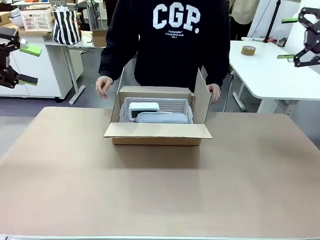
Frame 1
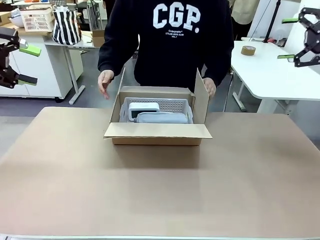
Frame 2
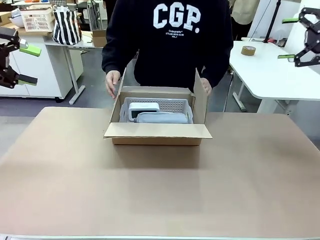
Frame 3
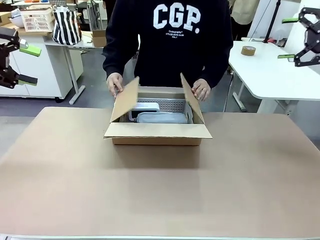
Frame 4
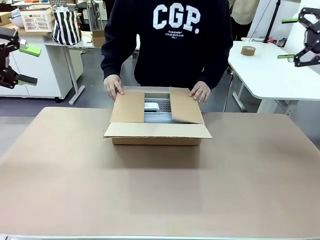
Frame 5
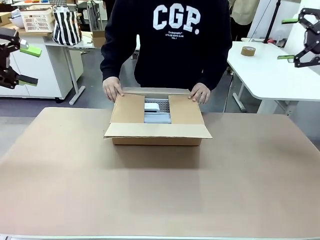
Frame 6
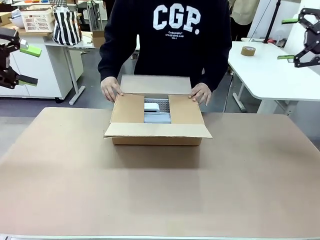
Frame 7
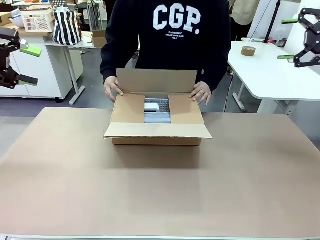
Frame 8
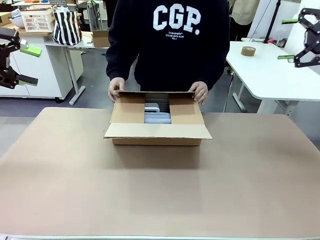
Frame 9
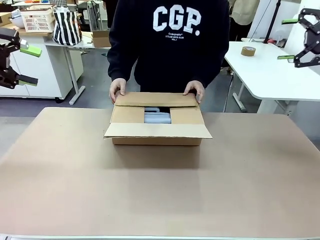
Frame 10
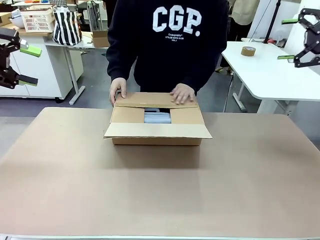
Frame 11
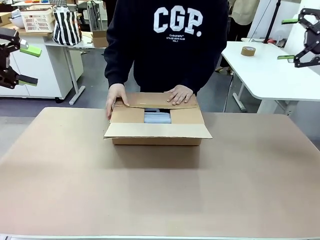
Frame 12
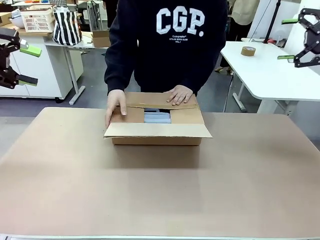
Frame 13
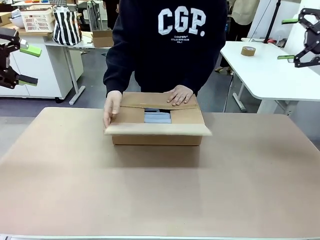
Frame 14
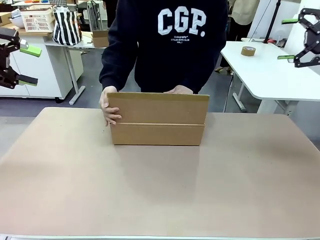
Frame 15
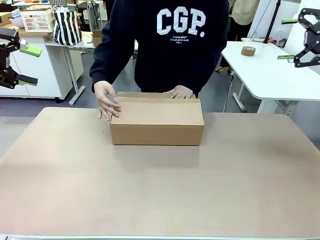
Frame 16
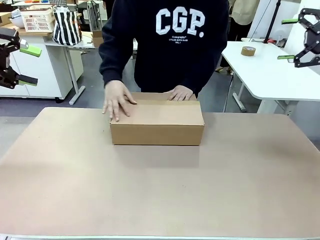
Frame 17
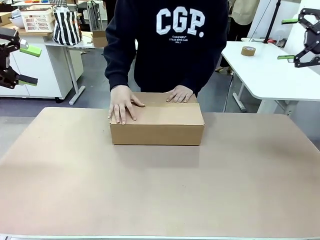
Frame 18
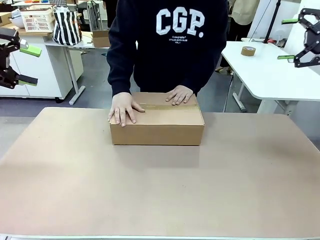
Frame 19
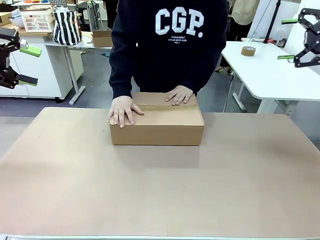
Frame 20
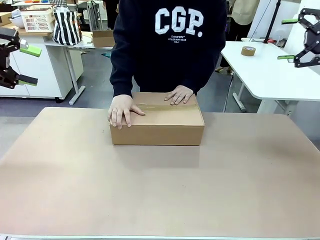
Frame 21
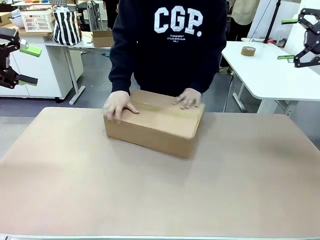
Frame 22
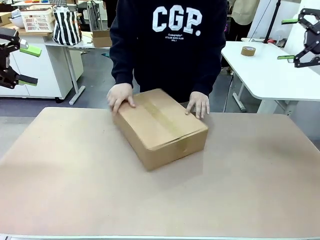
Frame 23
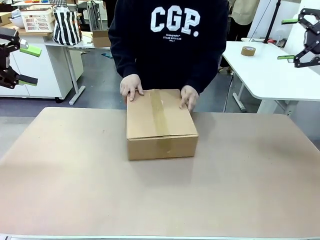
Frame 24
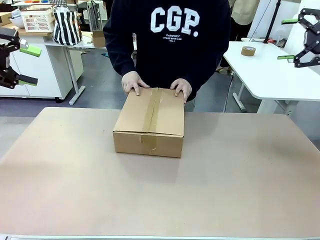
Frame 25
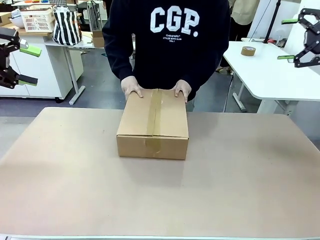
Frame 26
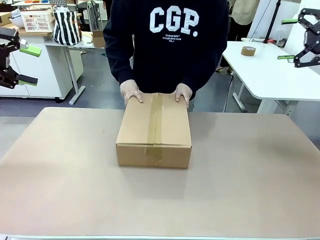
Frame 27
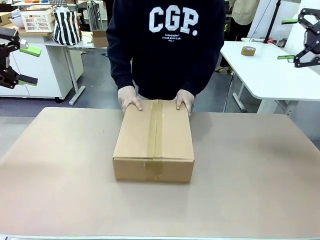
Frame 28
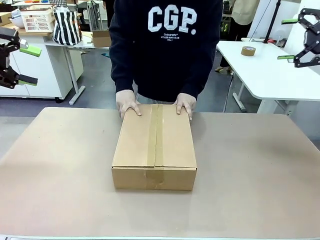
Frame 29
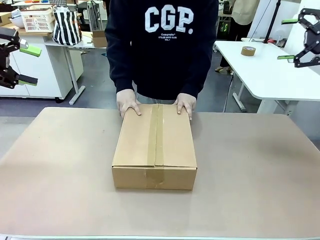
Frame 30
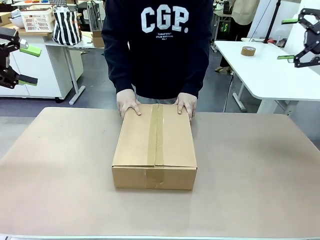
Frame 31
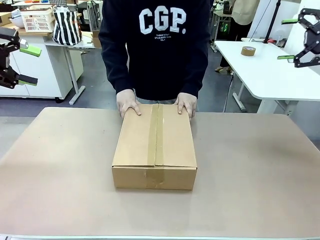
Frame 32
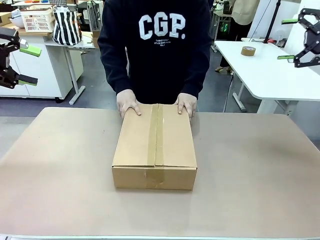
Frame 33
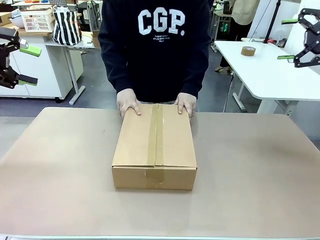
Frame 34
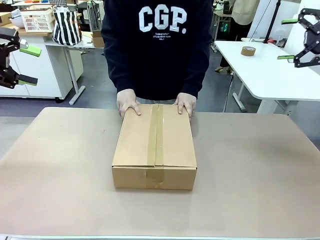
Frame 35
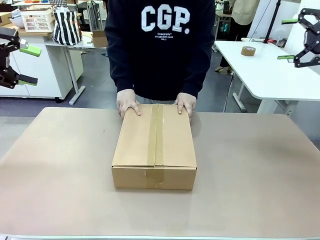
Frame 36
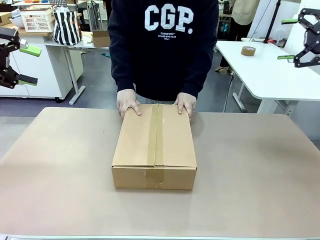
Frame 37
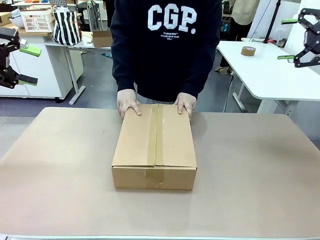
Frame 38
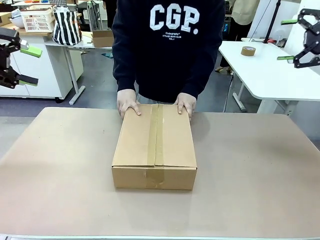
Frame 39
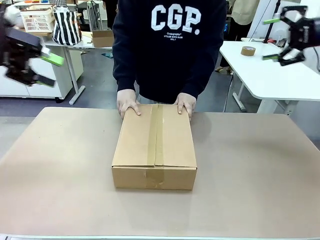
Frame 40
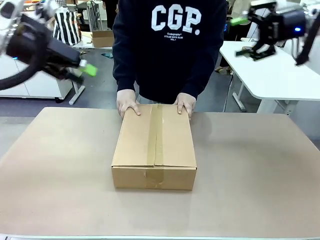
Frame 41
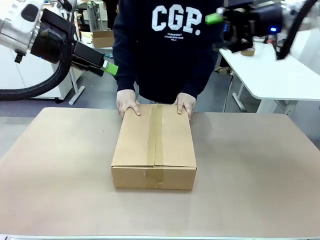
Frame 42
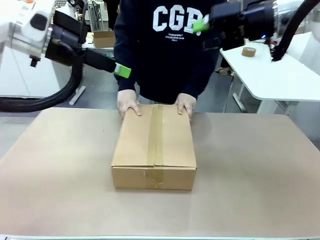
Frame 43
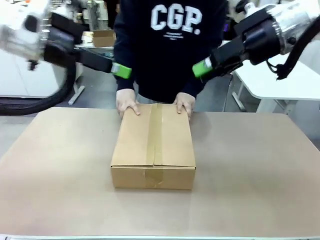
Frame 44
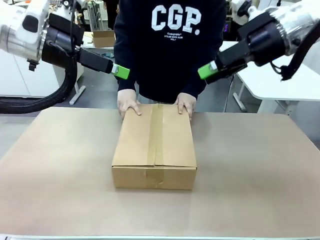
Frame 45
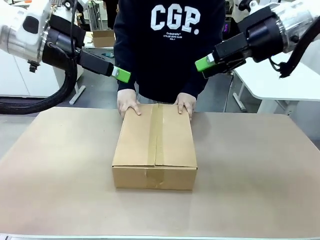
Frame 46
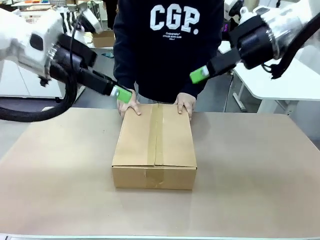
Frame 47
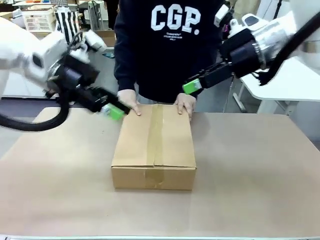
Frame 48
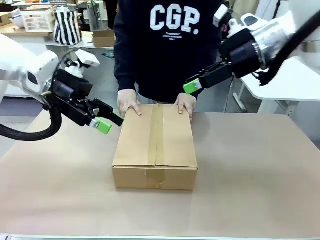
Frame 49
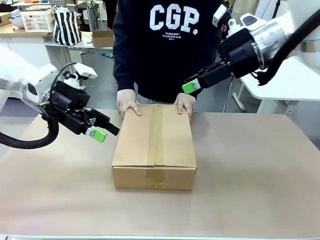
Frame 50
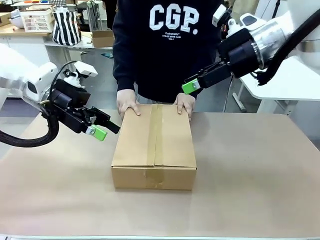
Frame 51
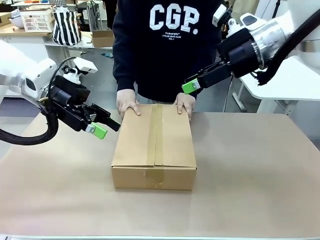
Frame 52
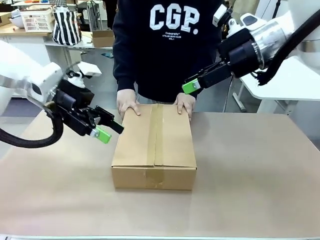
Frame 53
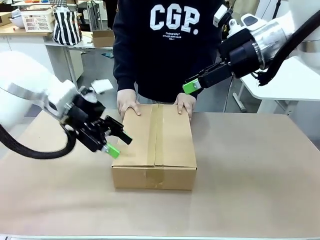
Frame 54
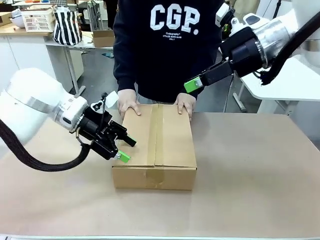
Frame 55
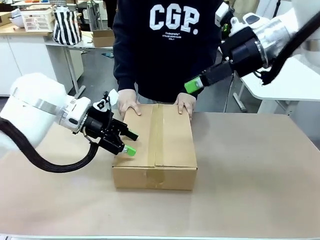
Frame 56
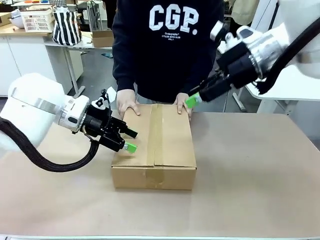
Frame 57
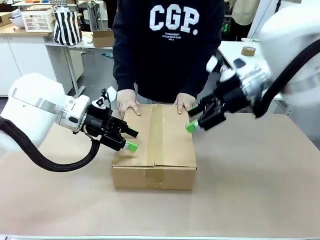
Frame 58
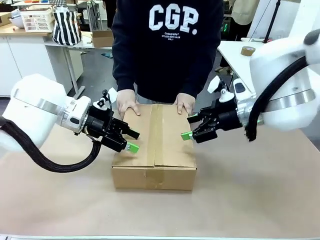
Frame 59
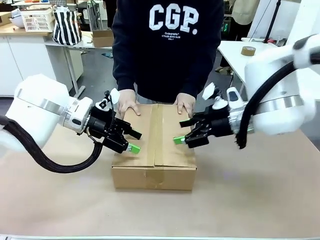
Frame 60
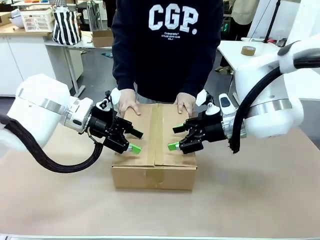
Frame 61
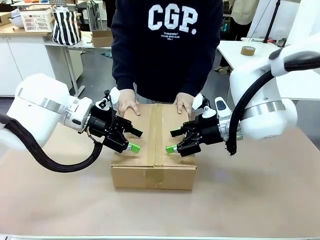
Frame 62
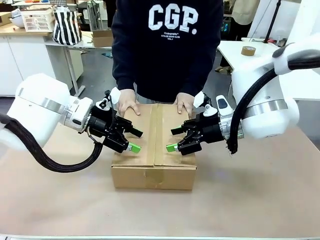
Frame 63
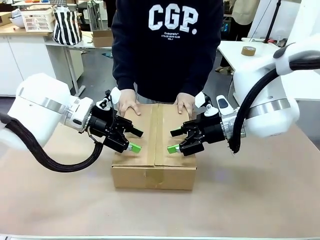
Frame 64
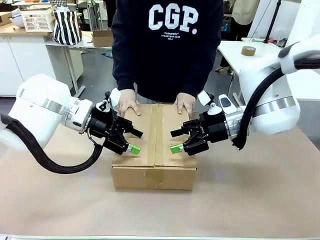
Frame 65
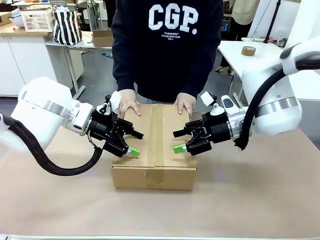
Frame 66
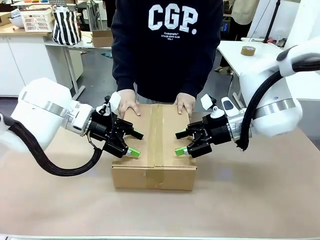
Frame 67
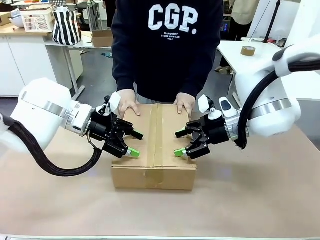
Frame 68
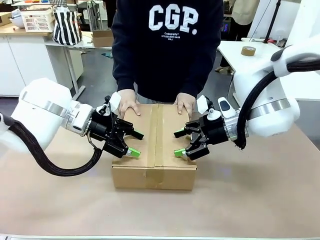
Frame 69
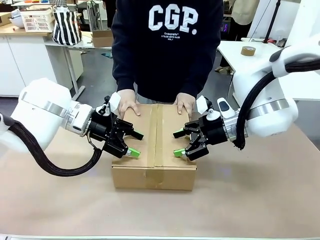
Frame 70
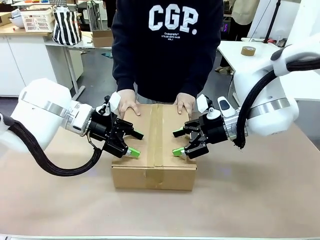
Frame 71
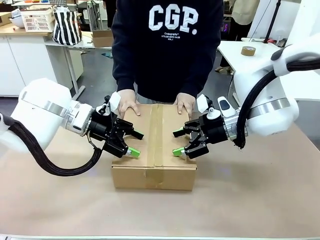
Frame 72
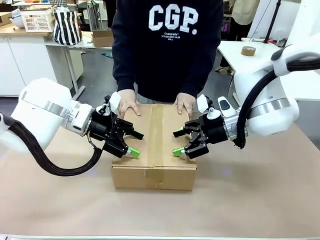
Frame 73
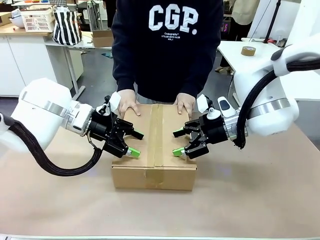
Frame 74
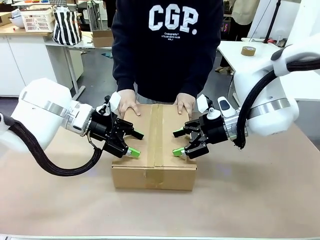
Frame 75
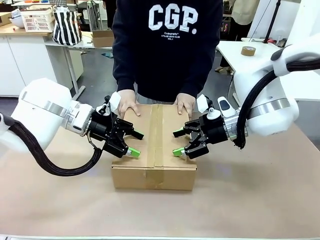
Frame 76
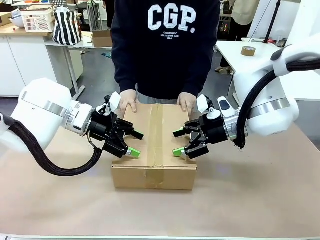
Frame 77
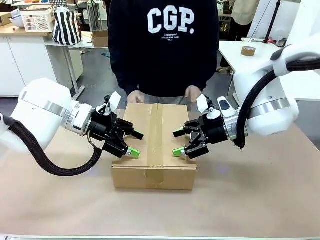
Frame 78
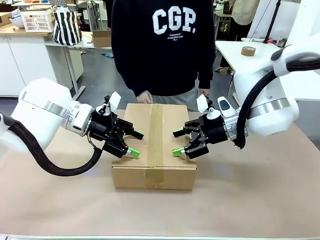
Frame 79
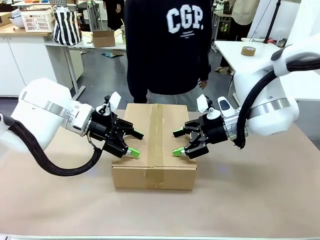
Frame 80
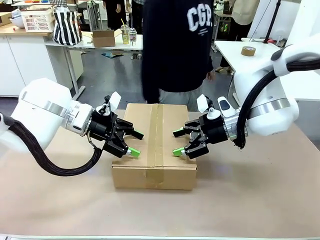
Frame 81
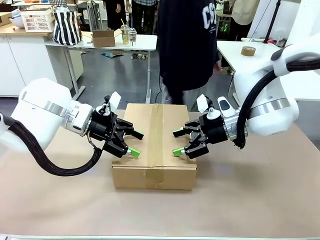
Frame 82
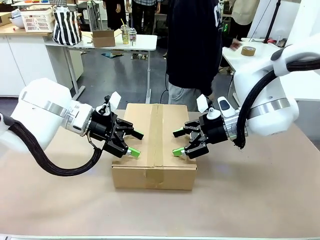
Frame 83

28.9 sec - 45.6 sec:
Task: Pack the gift set into the box.
Robot: Press and hold the closed box until the human finishes sealing it.
Person: The human closes the box and rotates the box by 90 degrees.

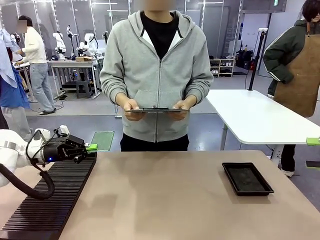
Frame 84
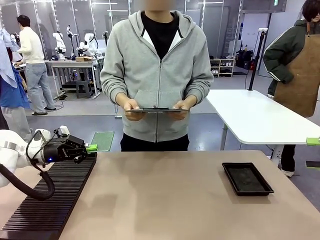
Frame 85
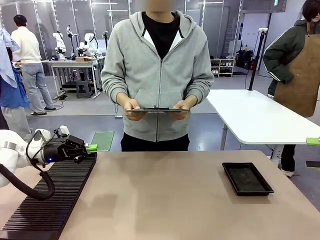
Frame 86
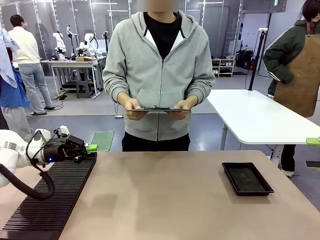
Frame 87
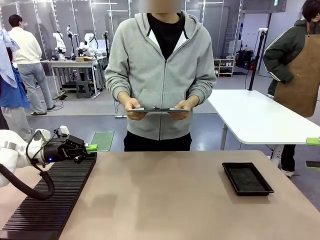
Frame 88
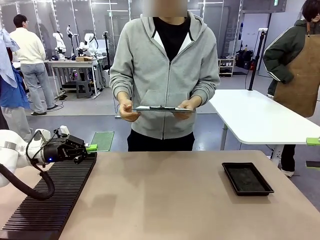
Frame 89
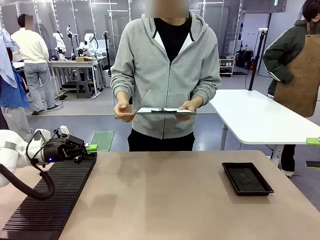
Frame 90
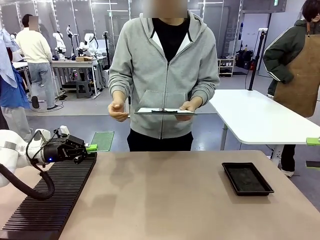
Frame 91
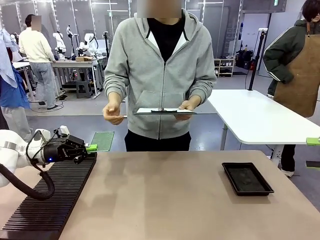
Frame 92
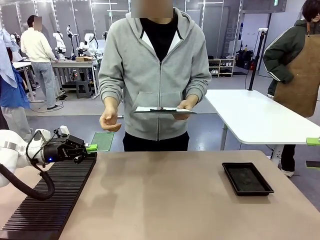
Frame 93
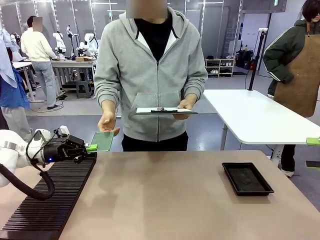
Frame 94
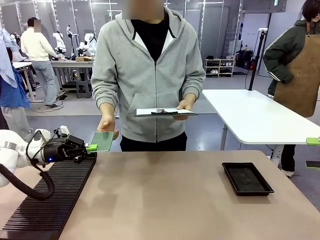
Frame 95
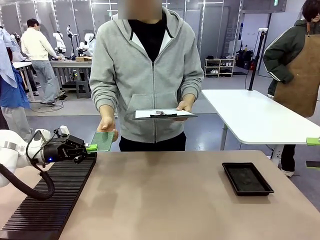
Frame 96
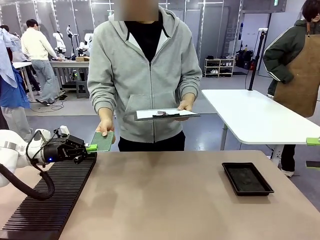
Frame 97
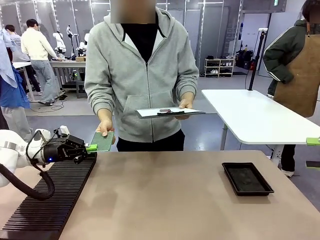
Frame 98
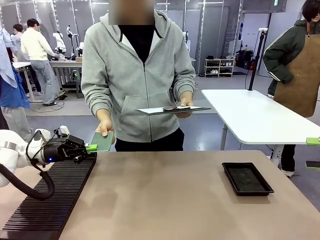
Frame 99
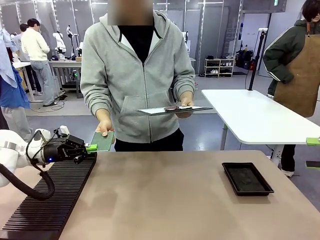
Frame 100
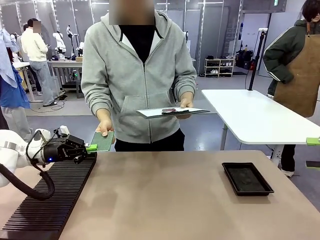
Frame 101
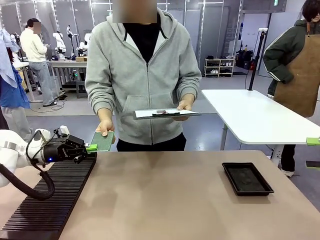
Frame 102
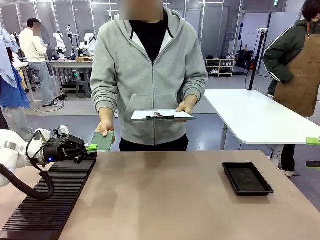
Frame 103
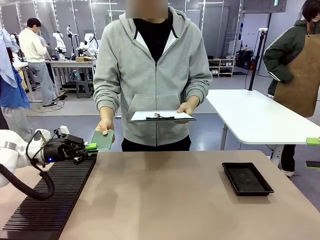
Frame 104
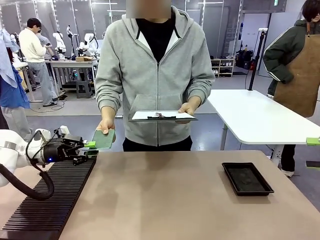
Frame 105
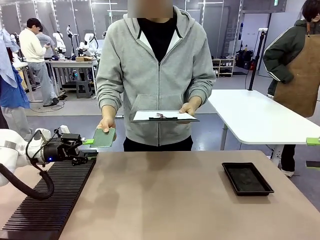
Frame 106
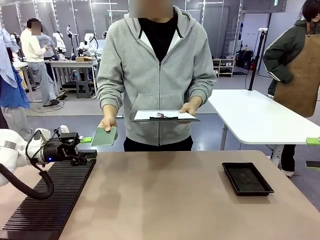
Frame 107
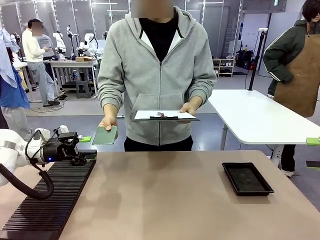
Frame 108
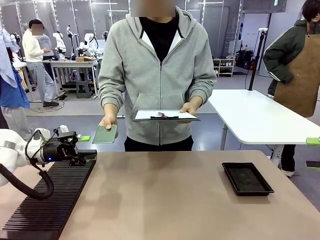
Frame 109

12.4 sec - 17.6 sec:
Task: Inspect the PCB.
Robot: Release the Blank PCB you were holding.
